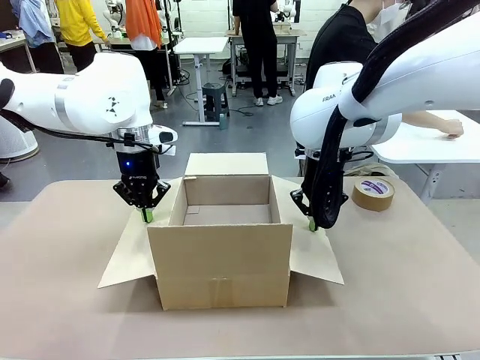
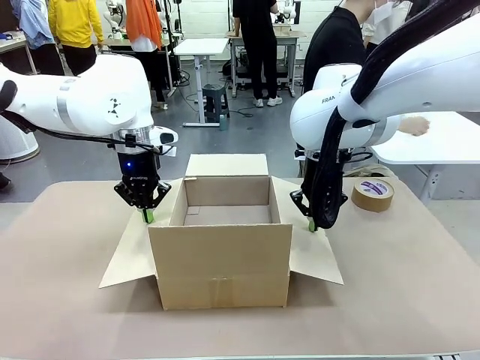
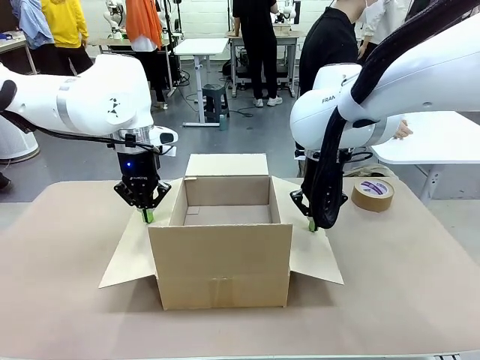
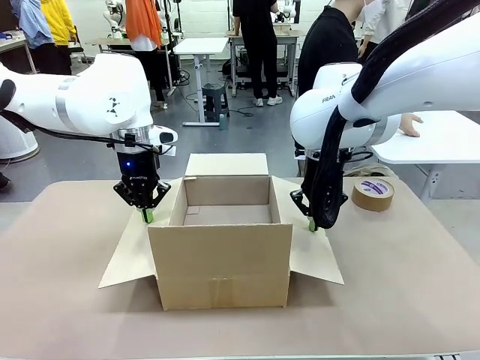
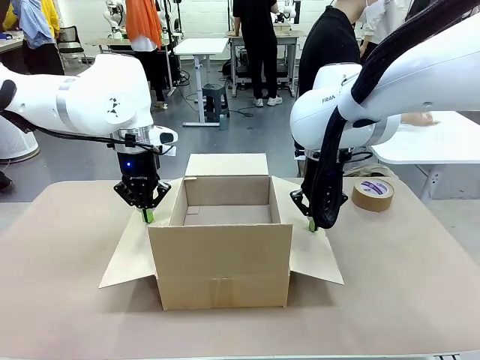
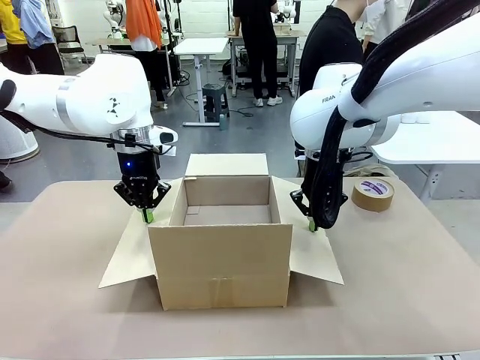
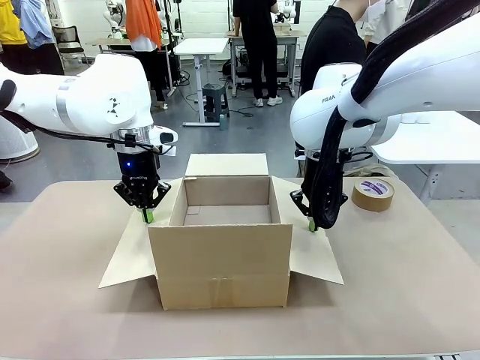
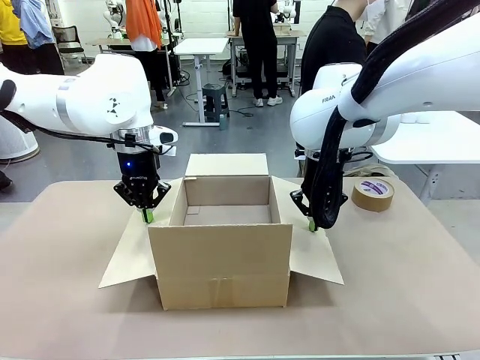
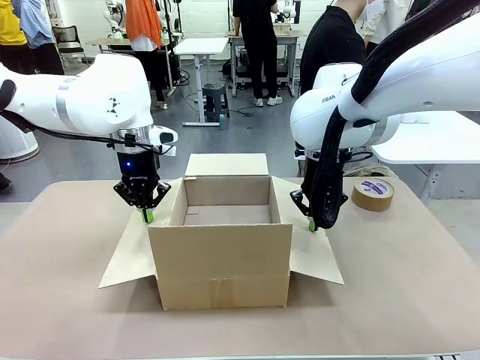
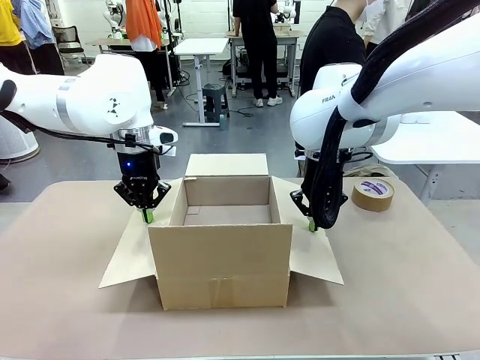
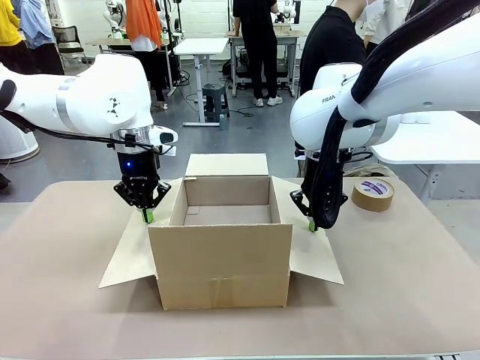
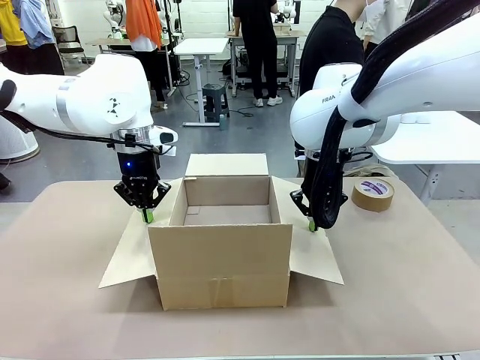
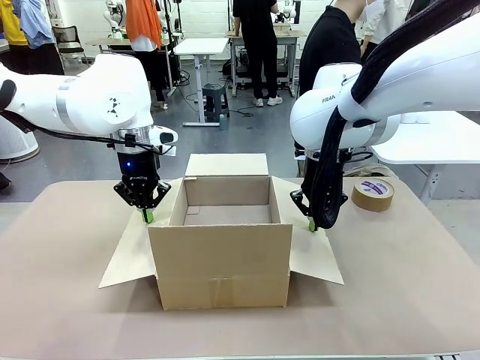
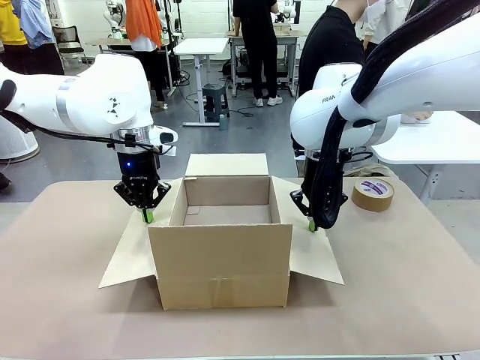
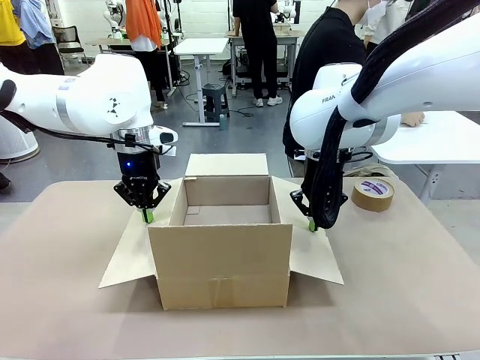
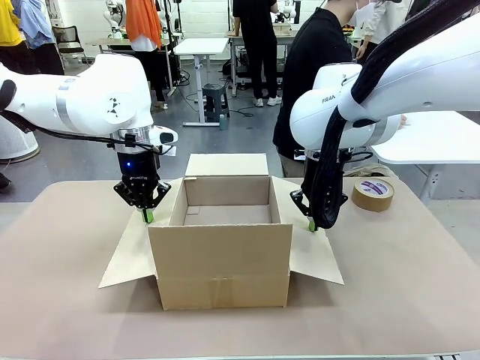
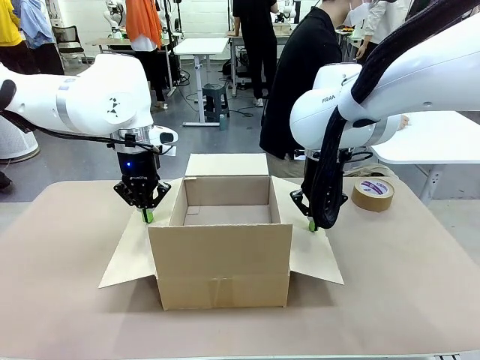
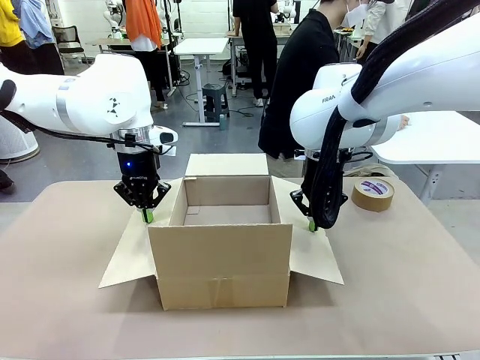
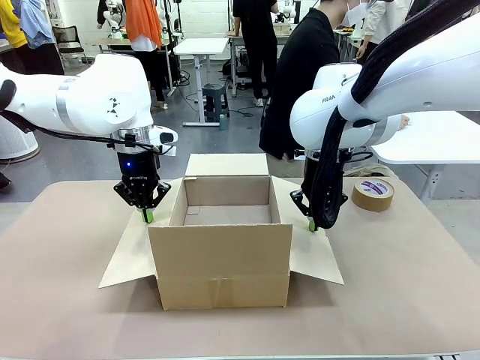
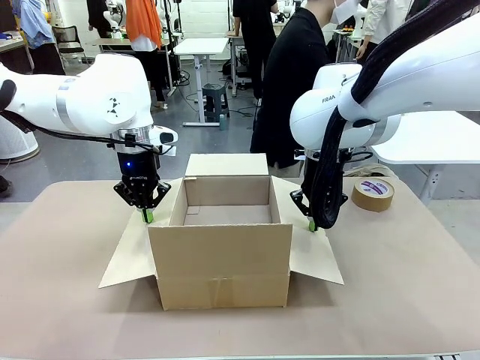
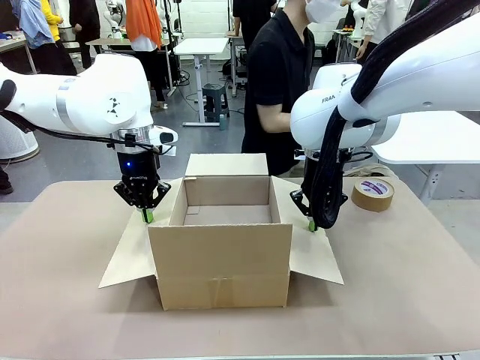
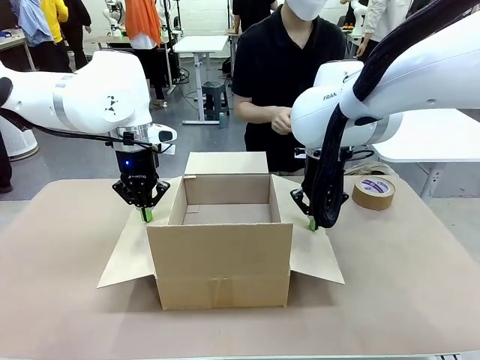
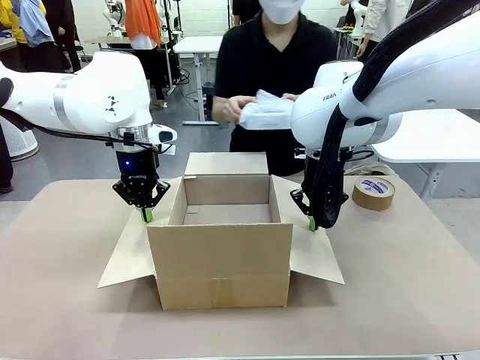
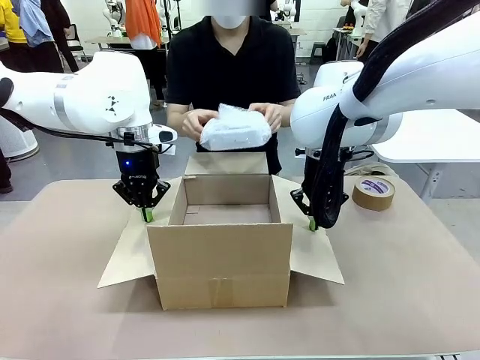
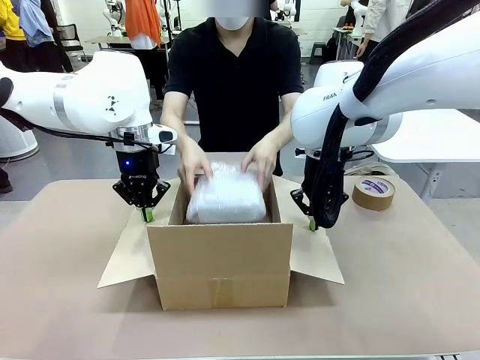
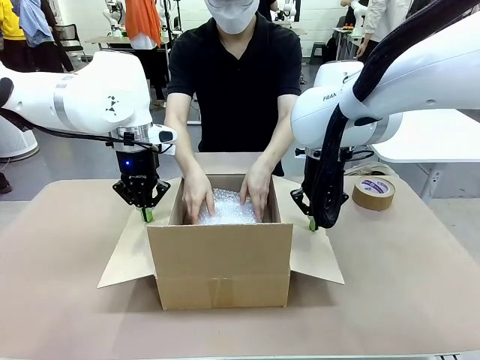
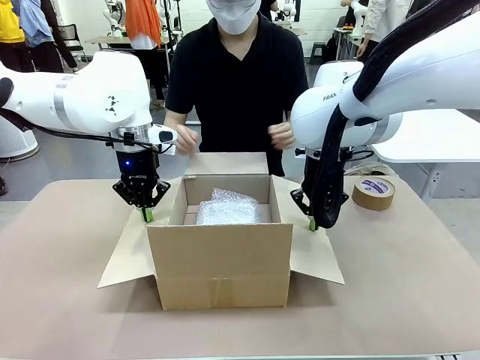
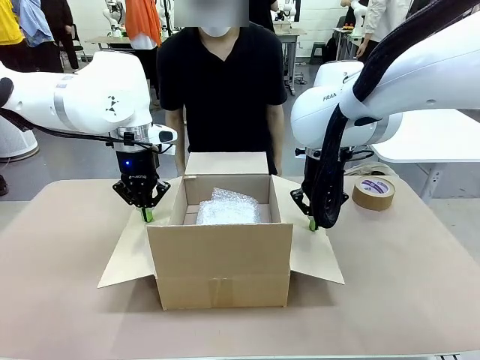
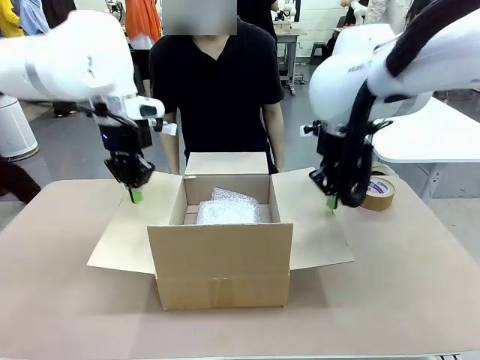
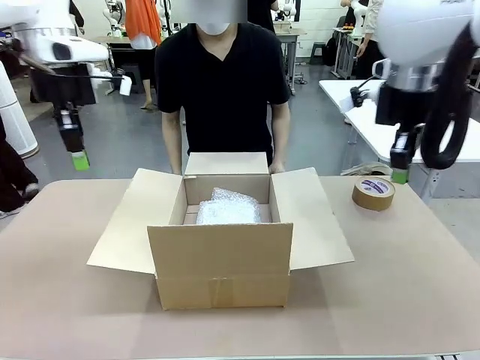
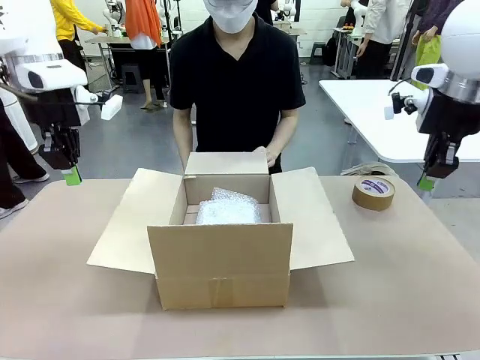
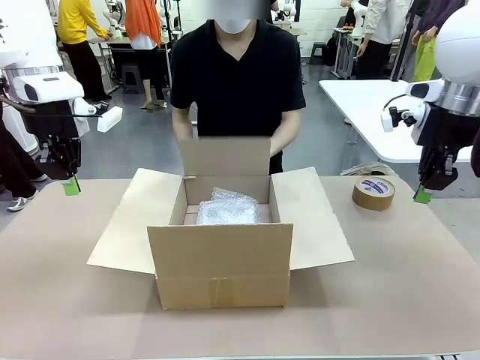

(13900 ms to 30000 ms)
Task: Wrap the clocks to prevent damage.
Robot: Once the human has placed the objects inside and stepped back, release both hands from the side flaps of the Package Box.
Person: Place the wrapped Digital clocks inside the Package Box. Hold the top and bottom flaps of the Package Box closed with your left (or right) hand.

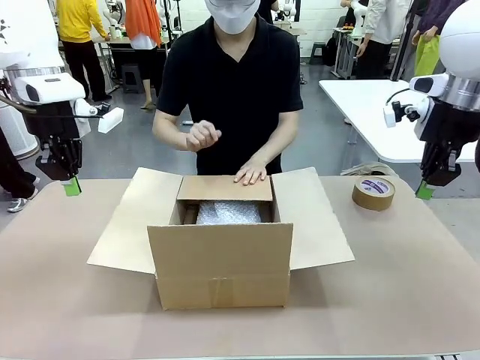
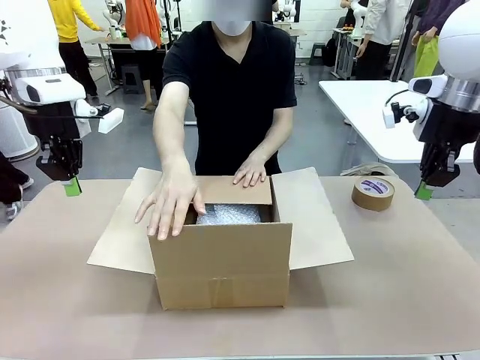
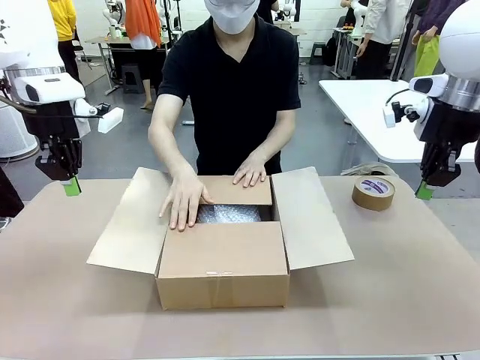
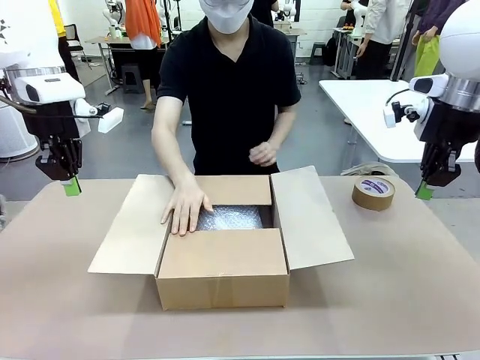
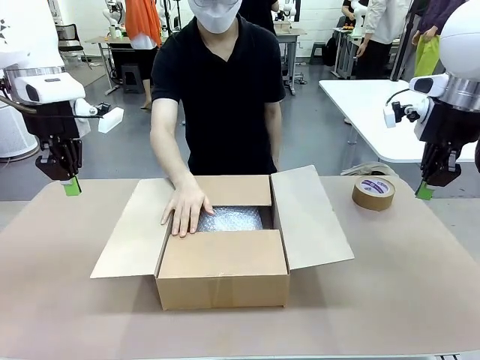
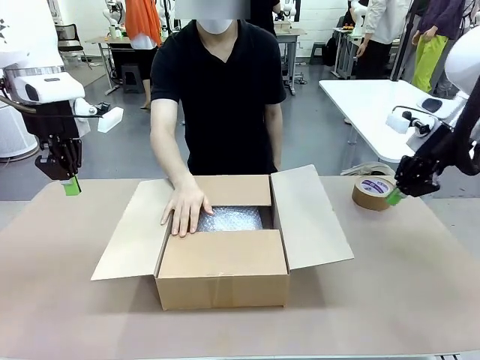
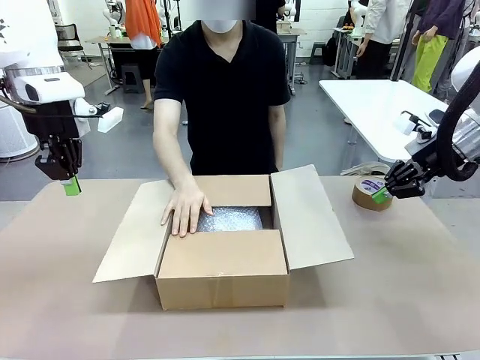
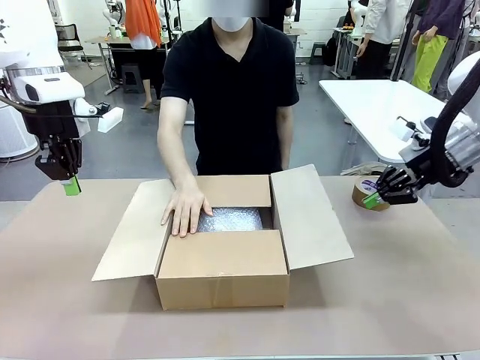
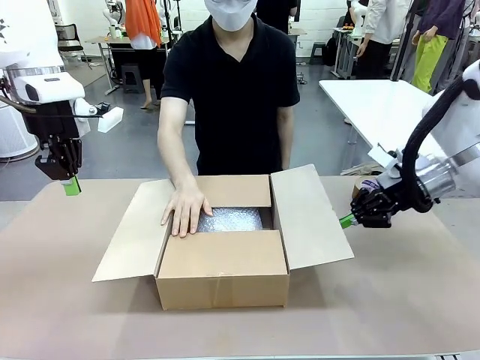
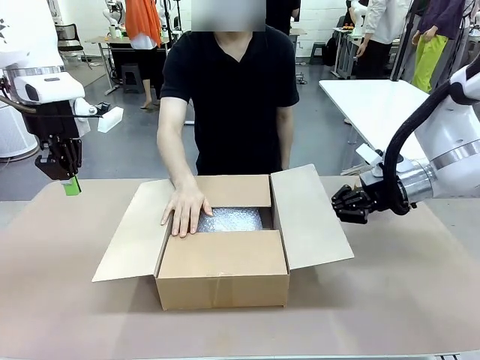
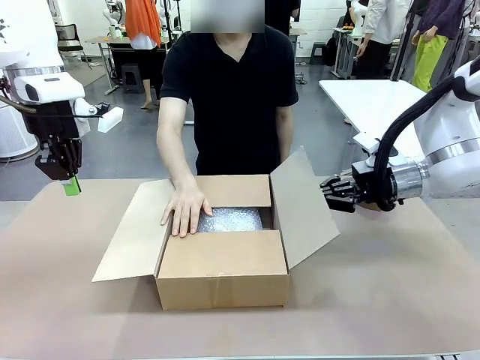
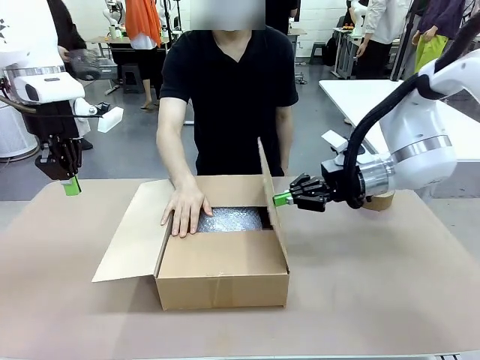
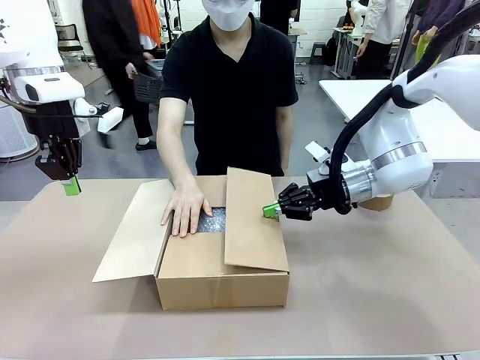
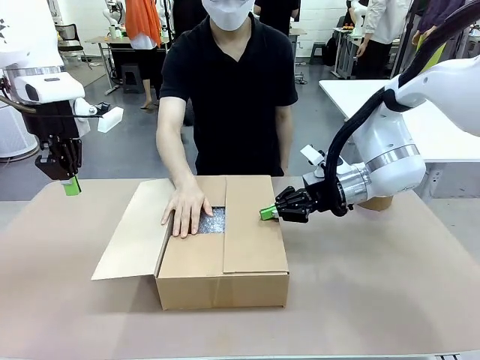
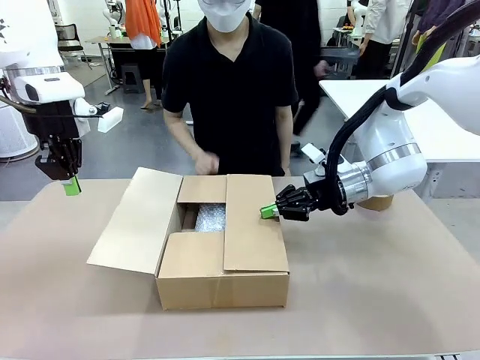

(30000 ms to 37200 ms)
Robot: Push the right (or left) flap of the Package Box to close it.
Person: Once the robot closes the right flap of the Package Box , release your left hand from the box.

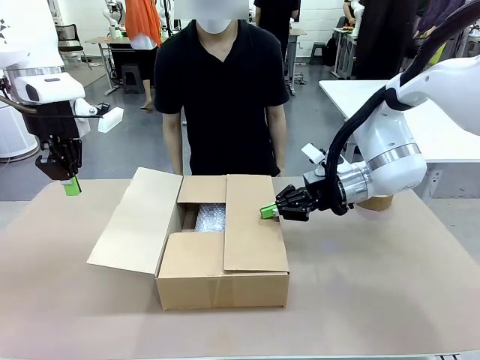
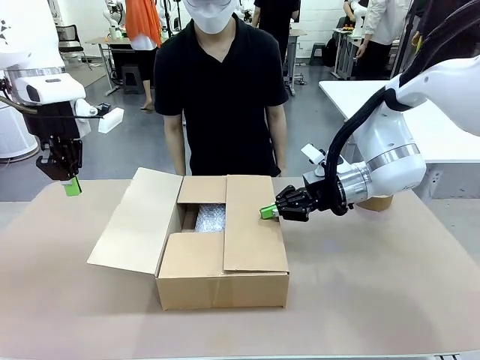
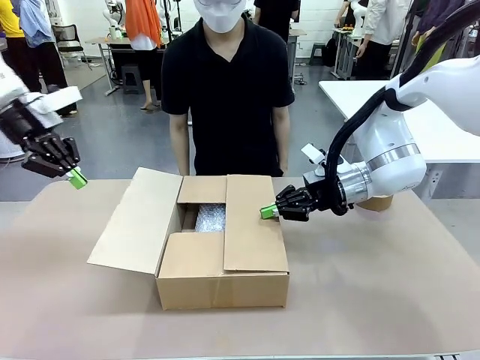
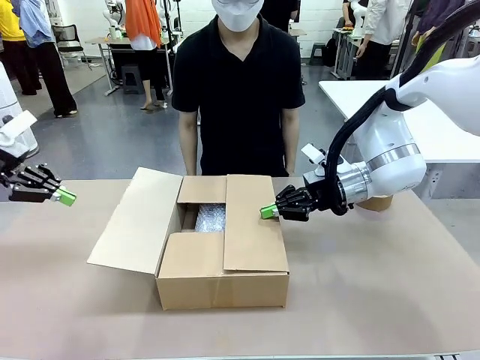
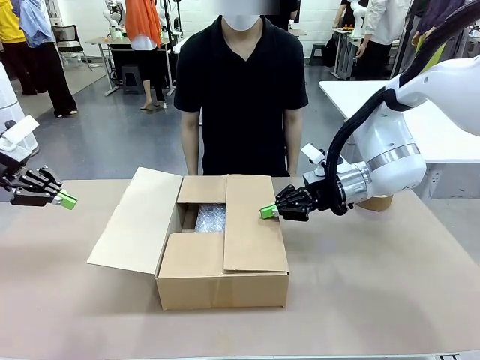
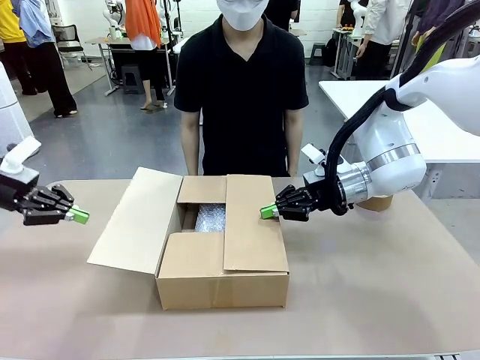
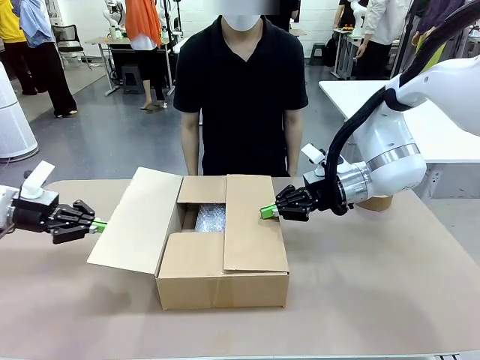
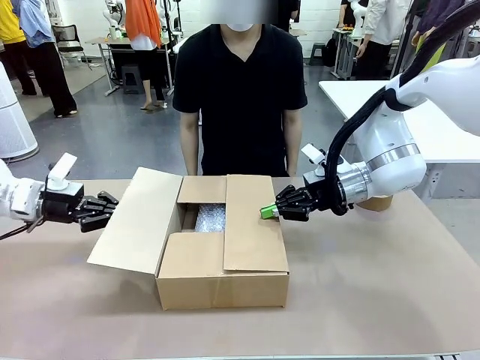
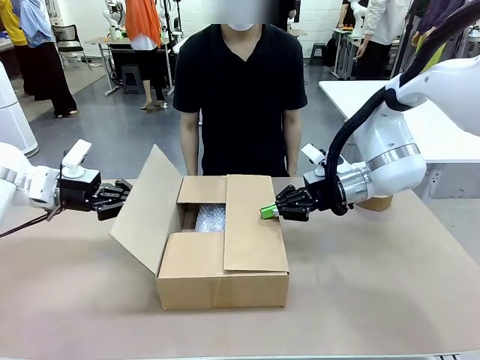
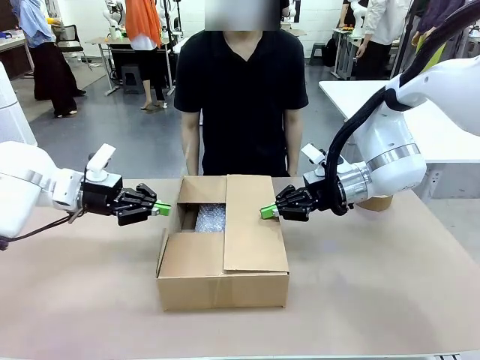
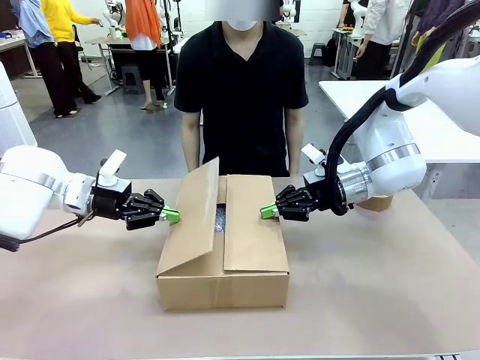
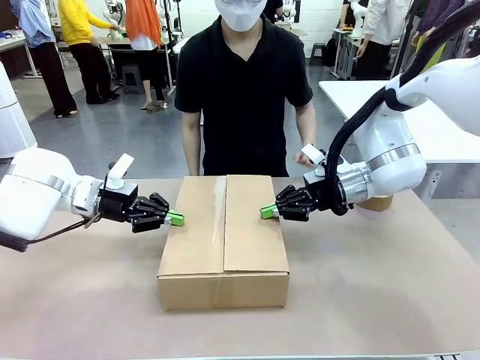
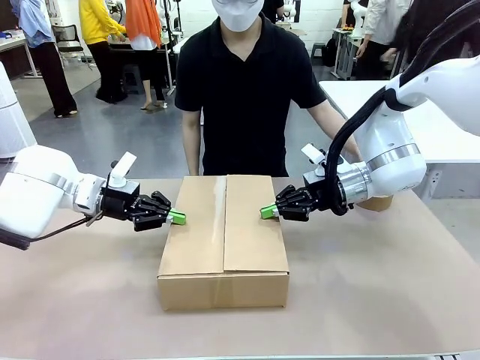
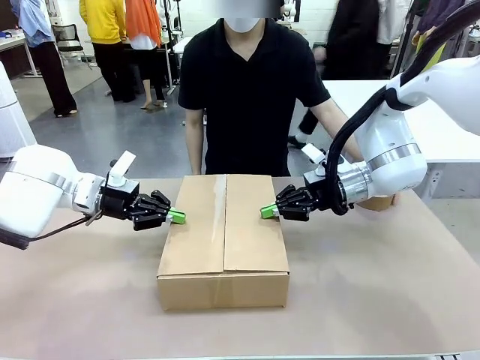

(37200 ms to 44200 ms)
Robot: Push the left (or right) flap of the Package Box to close it.
